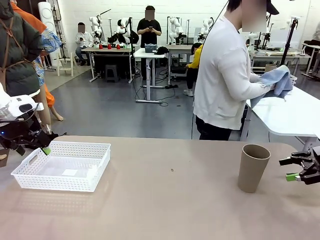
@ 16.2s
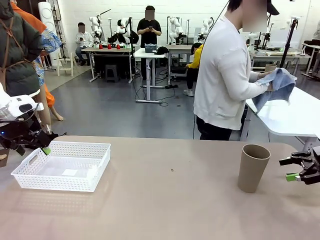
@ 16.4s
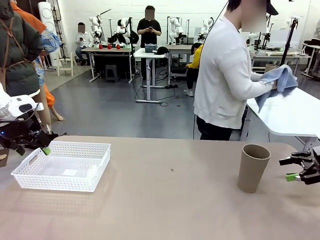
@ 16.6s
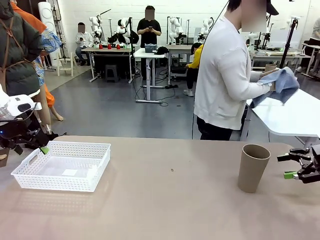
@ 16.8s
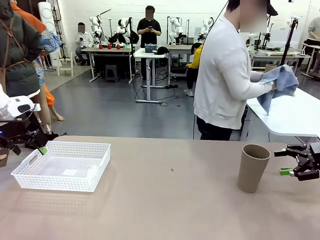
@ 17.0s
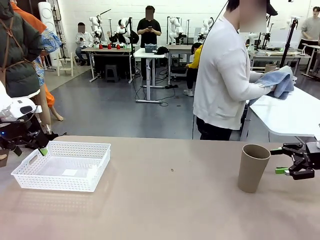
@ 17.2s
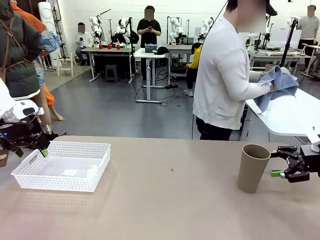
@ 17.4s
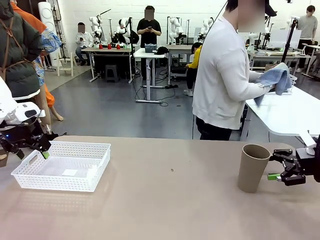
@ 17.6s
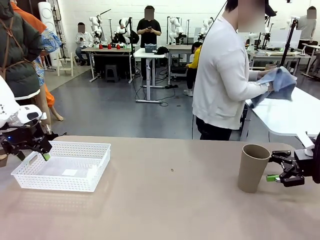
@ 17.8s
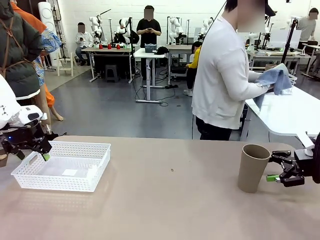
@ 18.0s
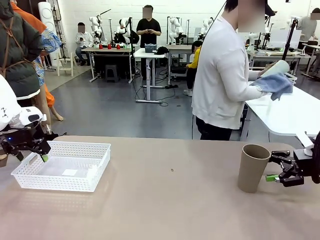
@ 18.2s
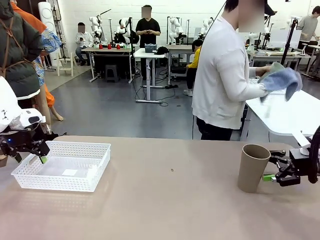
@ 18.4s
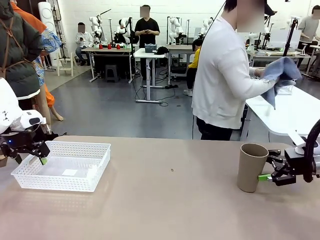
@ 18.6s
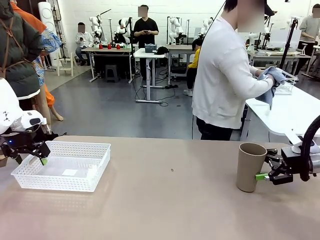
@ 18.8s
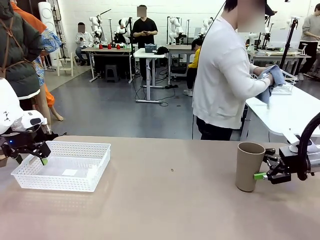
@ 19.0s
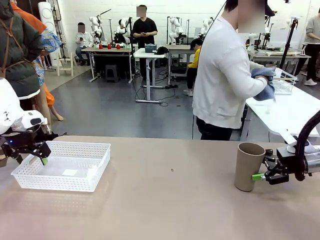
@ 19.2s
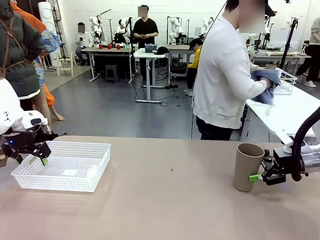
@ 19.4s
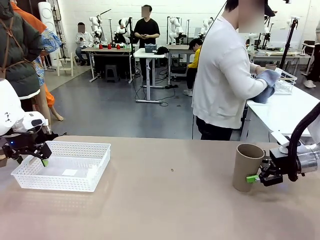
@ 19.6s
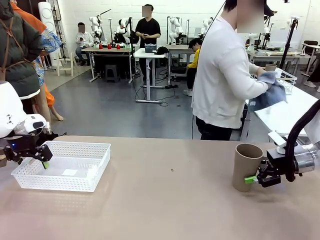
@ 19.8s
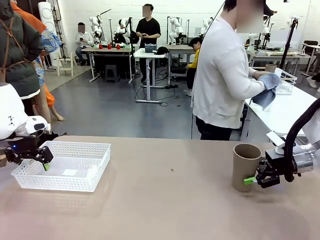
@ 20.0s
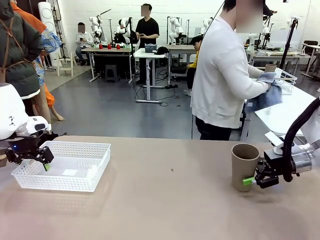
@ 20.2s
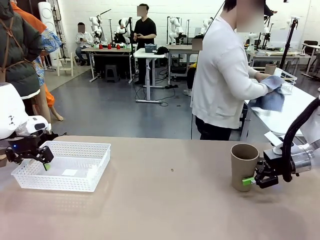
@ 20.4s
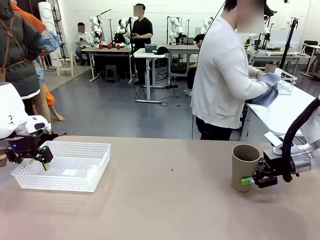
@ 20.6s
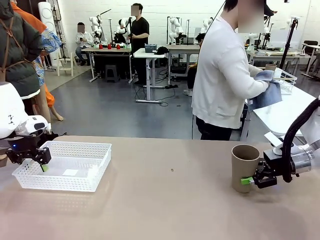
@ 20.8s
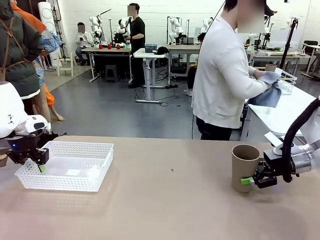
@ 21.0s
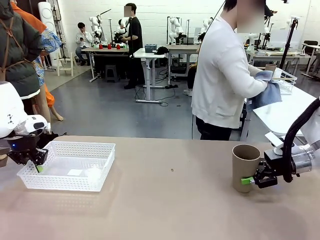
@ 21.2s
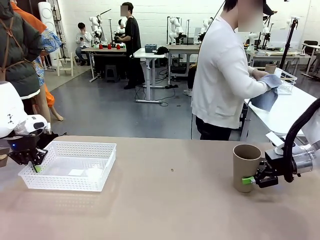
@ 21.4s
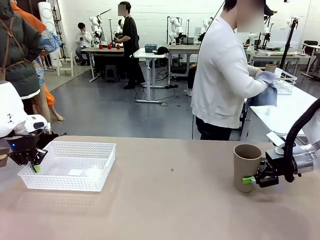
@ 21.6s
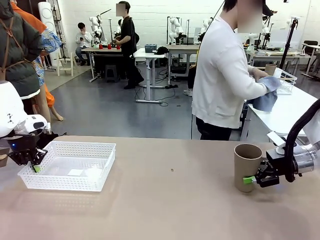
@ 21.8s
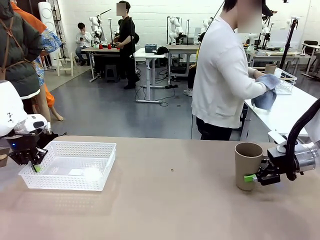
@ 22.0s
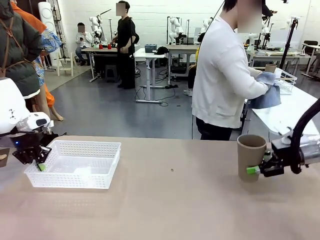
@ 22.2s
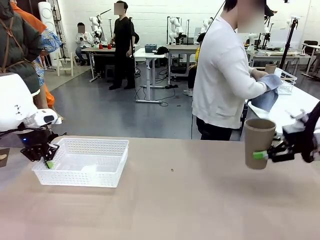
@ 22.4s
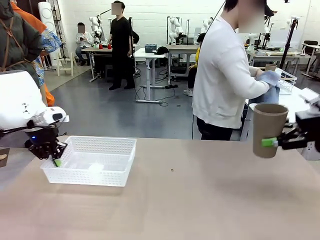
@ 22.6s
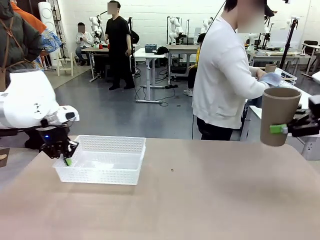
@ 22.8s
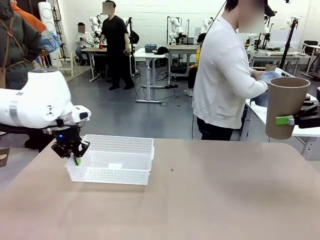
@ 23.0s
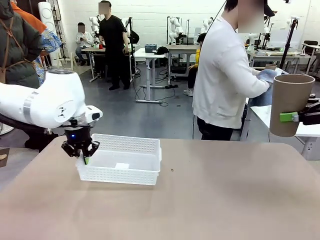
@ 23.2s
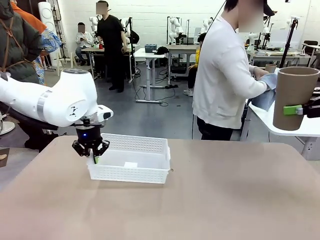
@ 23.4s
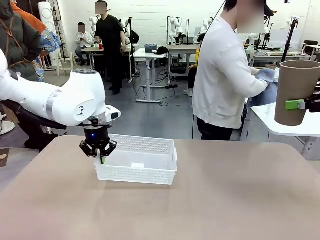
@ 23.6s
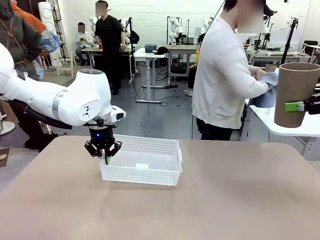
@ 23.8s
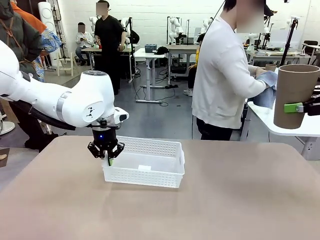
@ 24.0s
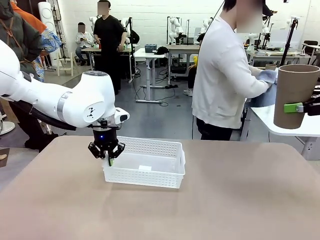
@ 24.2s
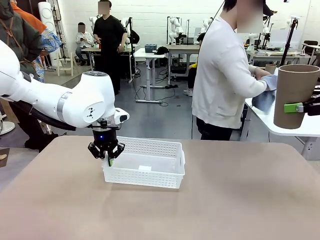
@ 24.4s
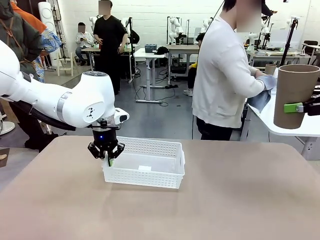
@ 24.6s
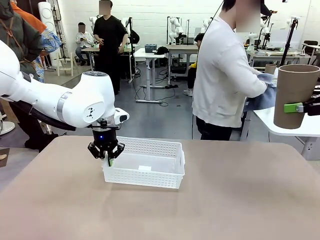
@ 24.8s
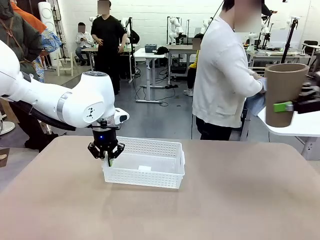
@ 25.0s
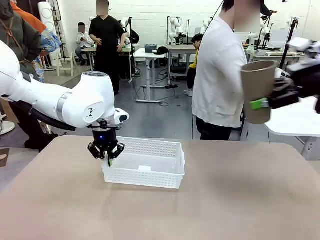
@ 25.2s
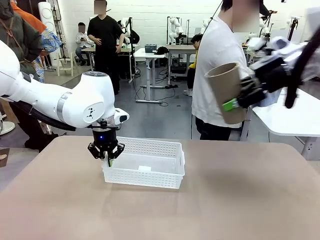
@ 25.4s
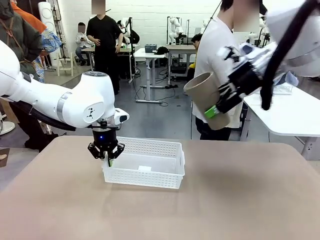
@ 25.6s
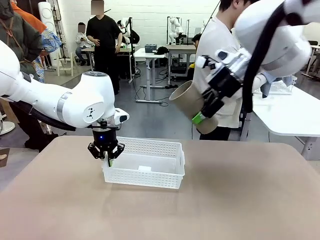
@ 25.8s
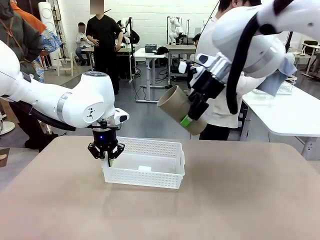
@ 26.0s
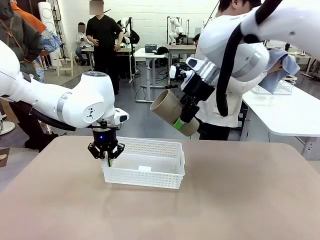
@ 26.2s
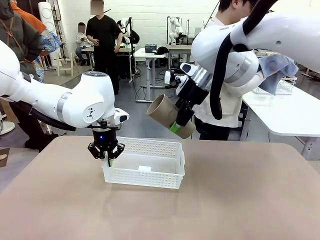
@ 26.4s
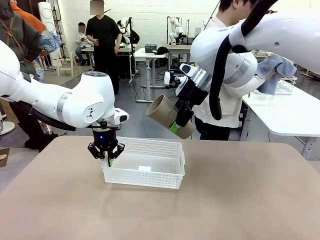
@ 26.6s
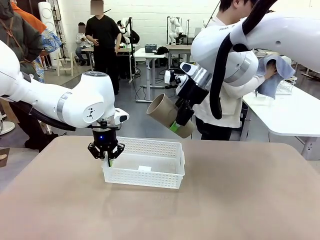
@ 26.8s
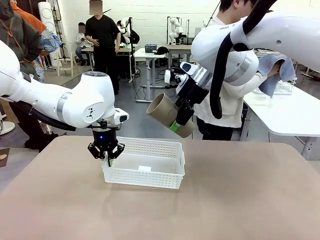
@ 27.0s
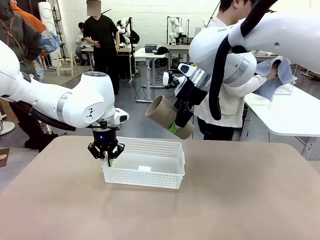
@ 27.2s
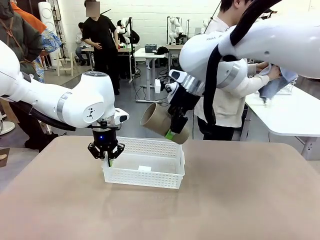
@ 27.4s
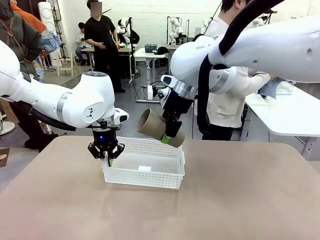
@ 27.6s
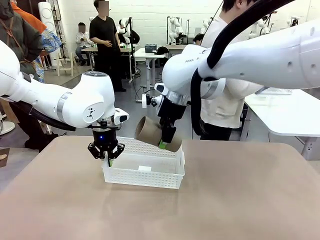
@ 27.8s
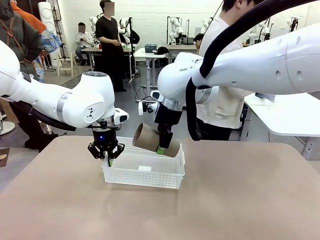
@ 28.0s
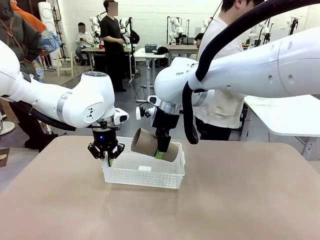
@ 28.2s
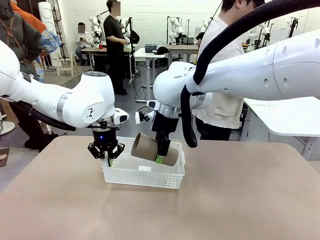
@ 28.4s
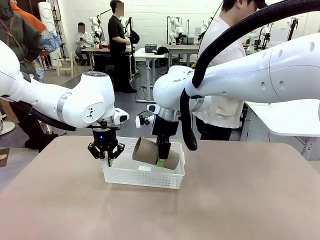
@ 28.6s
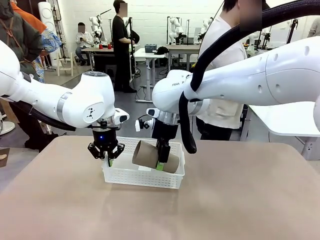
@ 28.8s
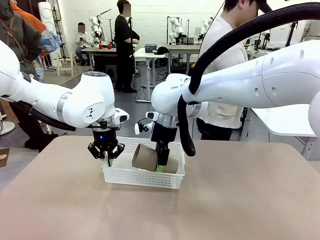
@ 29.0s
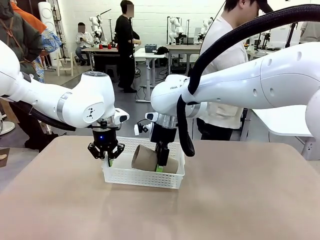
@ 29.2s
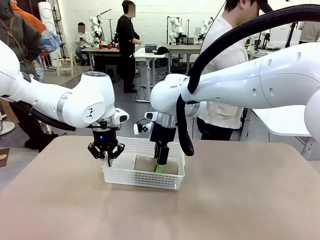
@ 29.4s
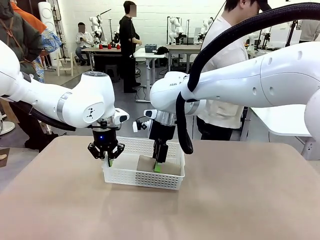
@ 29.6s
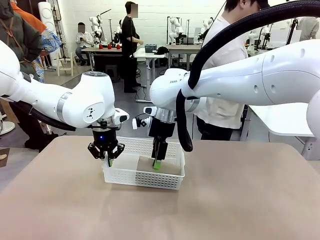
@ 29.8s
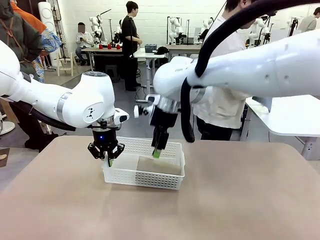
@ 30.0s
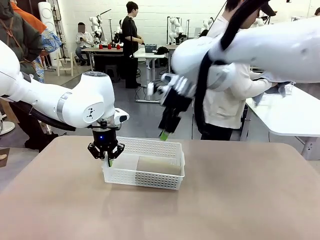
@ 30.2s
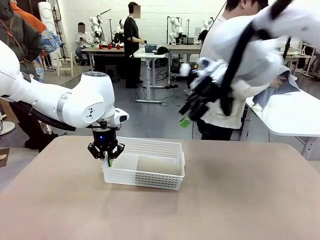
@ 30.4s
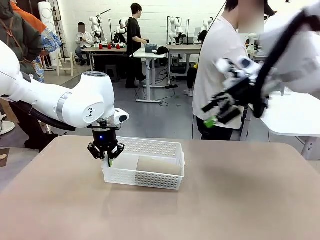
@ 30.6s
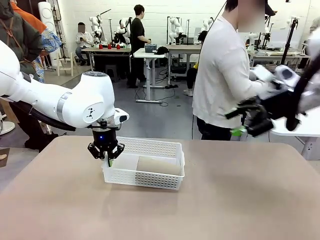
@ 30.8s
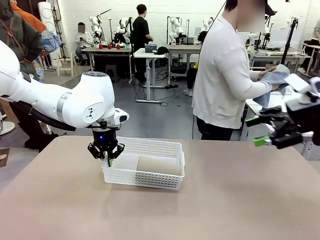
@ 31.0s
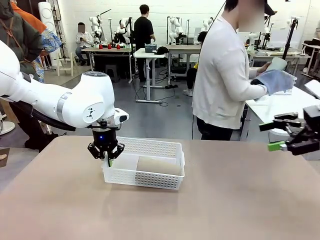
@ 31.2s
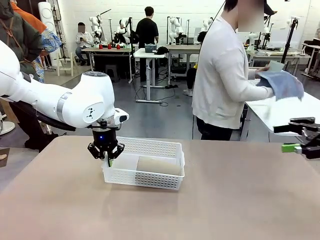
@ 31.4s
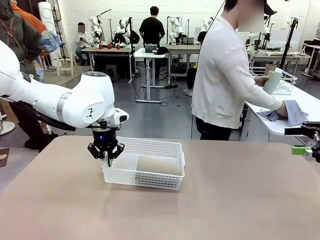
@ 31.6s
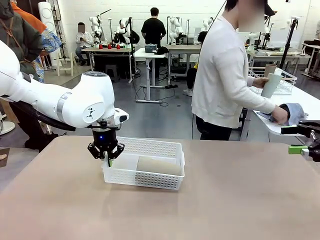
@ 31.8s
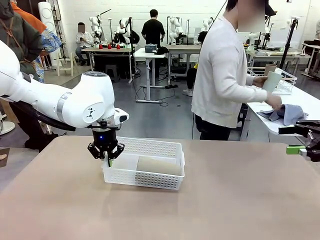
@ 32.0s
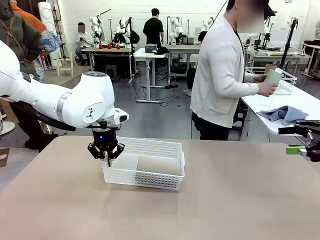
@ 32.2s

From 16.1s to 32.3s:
Task: Clean and organize the cups into the basket.
Robot: Pick up the Organizing basket and move it to the center of the table, then pick up the Reusable plastic cup from the right side of the table and place it inside the Organizing basket.
